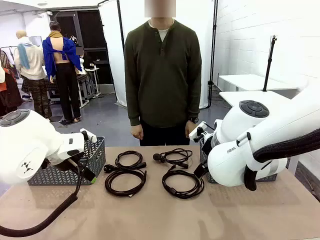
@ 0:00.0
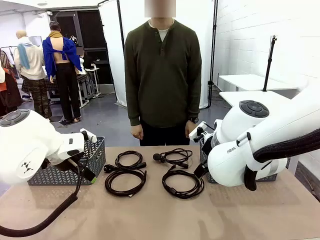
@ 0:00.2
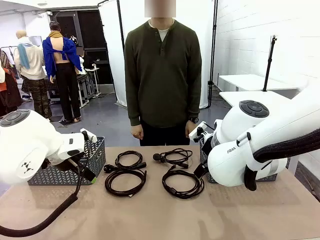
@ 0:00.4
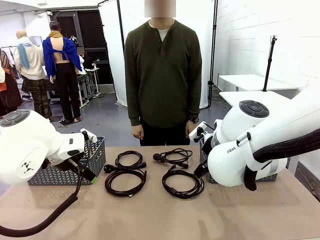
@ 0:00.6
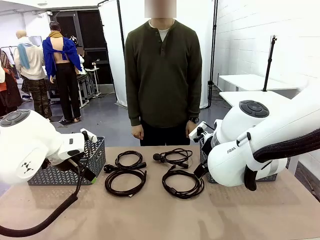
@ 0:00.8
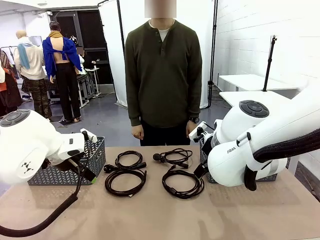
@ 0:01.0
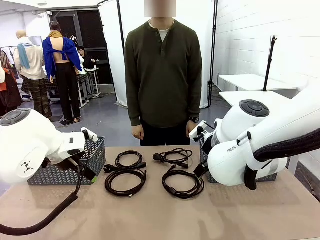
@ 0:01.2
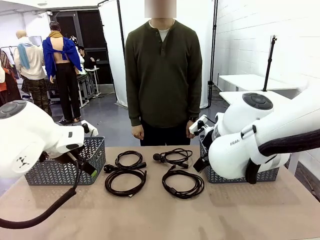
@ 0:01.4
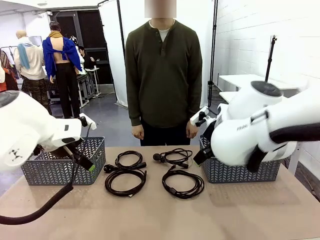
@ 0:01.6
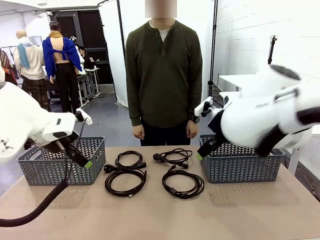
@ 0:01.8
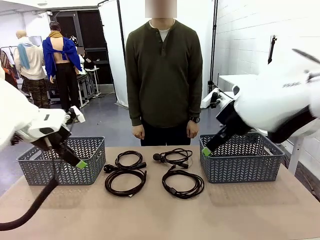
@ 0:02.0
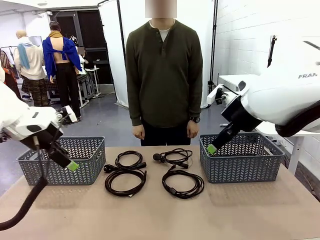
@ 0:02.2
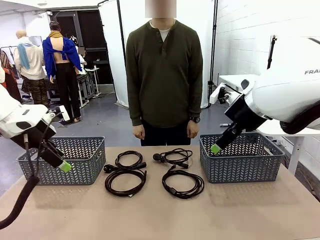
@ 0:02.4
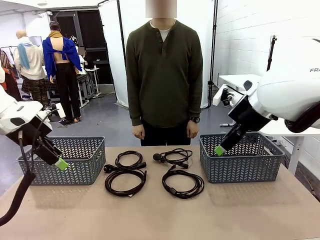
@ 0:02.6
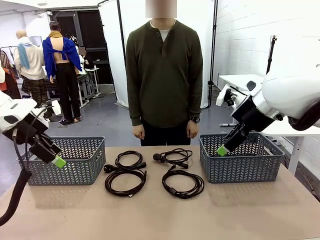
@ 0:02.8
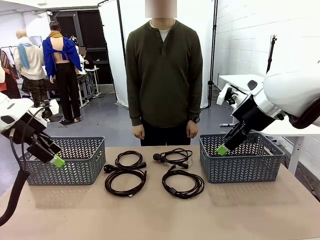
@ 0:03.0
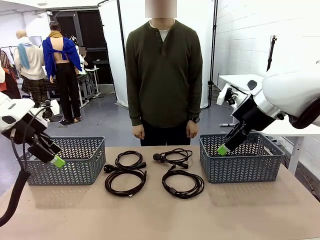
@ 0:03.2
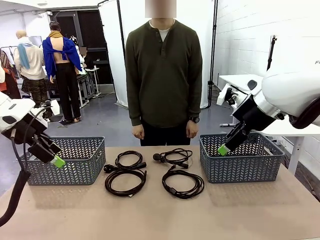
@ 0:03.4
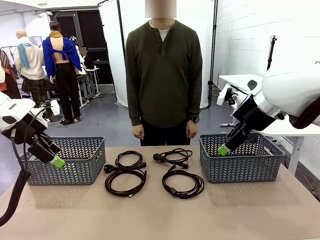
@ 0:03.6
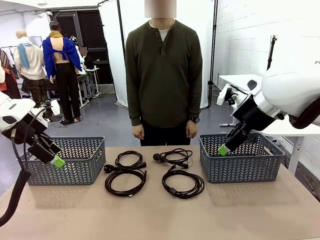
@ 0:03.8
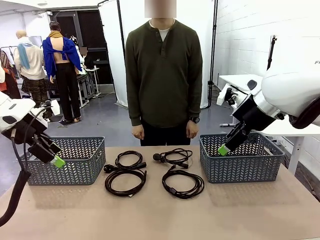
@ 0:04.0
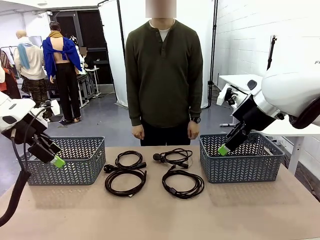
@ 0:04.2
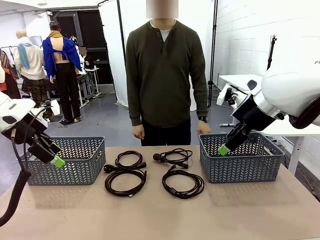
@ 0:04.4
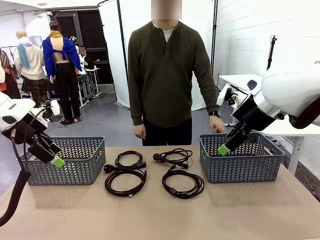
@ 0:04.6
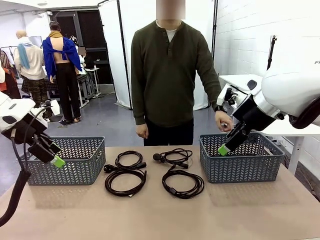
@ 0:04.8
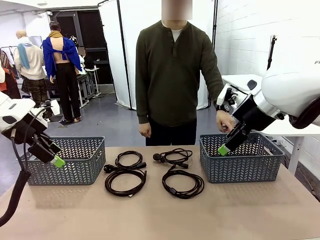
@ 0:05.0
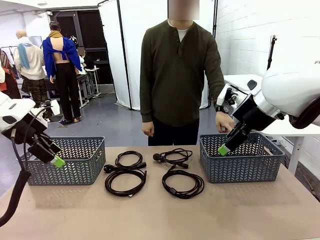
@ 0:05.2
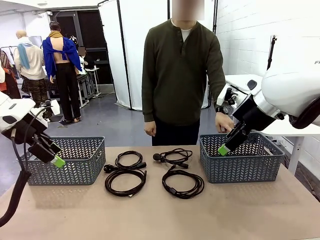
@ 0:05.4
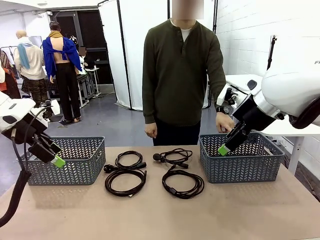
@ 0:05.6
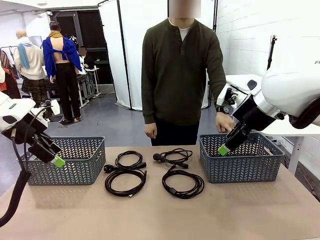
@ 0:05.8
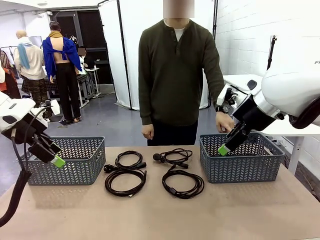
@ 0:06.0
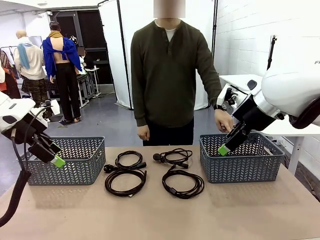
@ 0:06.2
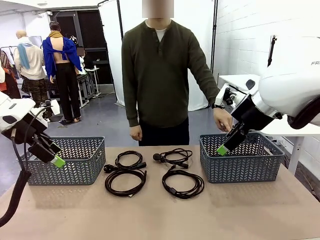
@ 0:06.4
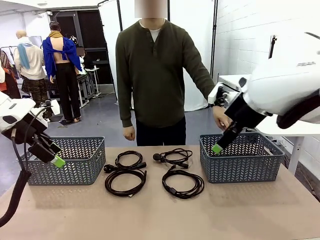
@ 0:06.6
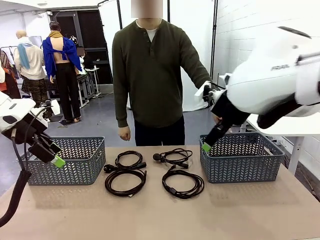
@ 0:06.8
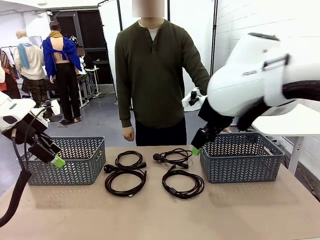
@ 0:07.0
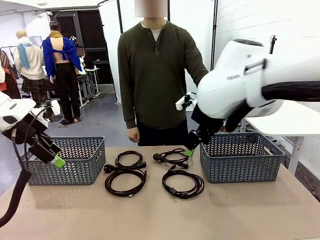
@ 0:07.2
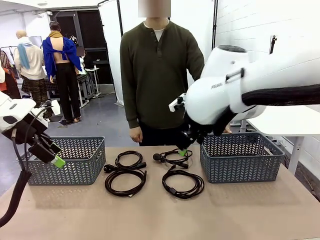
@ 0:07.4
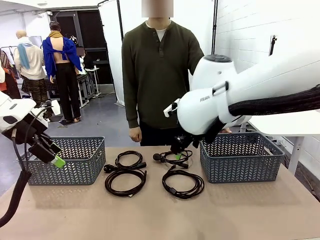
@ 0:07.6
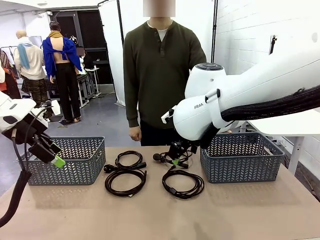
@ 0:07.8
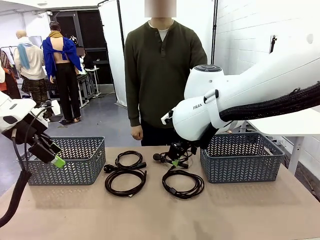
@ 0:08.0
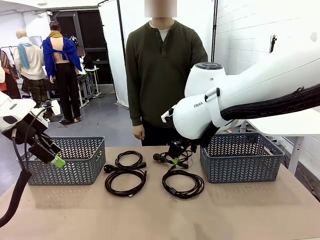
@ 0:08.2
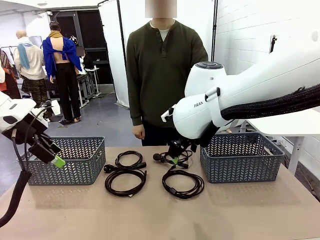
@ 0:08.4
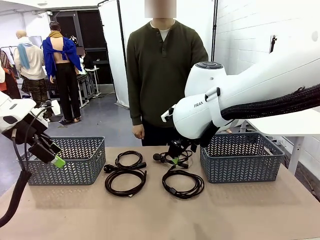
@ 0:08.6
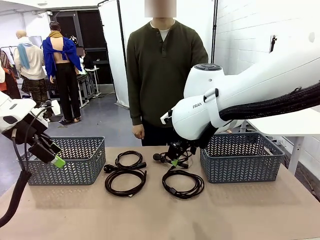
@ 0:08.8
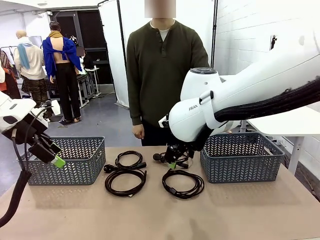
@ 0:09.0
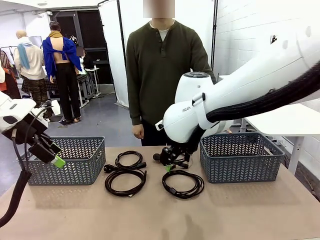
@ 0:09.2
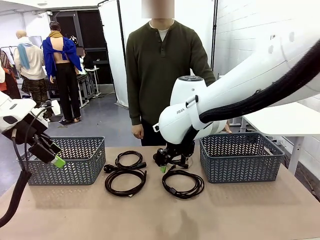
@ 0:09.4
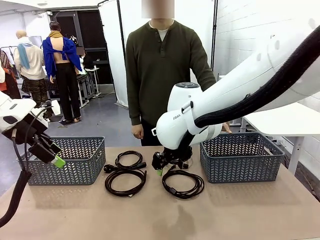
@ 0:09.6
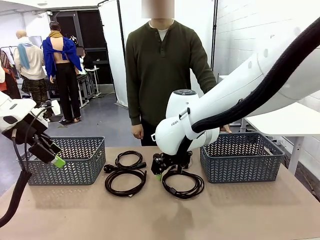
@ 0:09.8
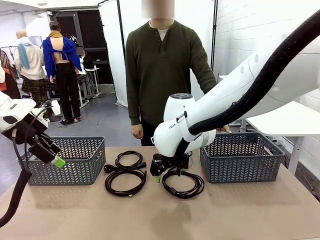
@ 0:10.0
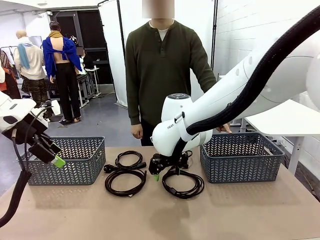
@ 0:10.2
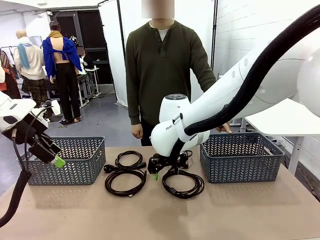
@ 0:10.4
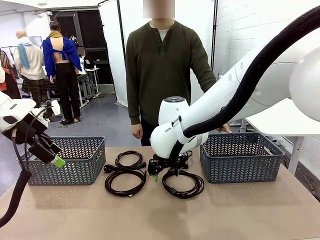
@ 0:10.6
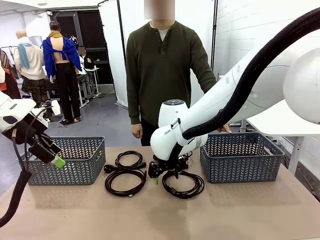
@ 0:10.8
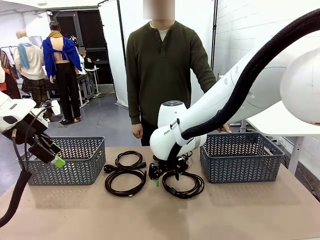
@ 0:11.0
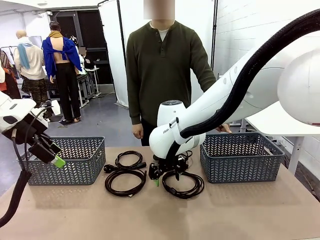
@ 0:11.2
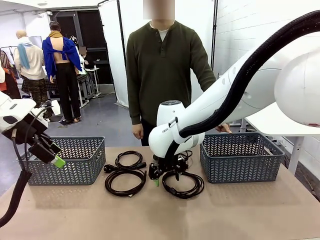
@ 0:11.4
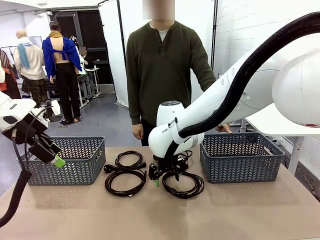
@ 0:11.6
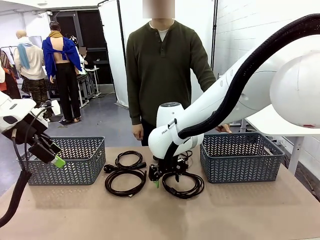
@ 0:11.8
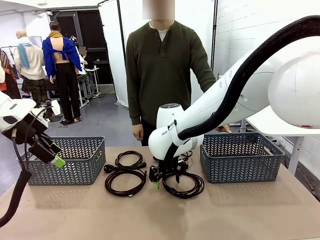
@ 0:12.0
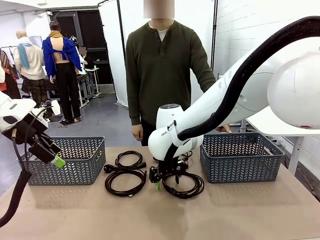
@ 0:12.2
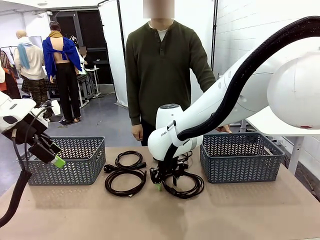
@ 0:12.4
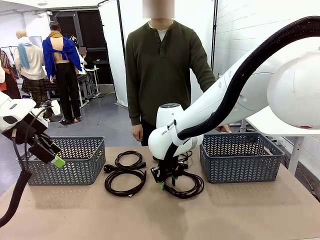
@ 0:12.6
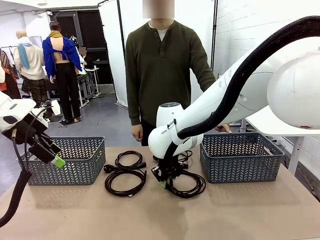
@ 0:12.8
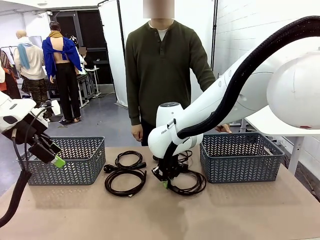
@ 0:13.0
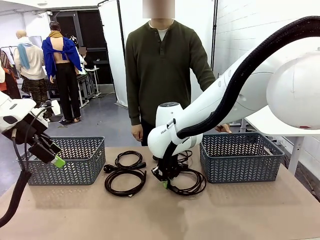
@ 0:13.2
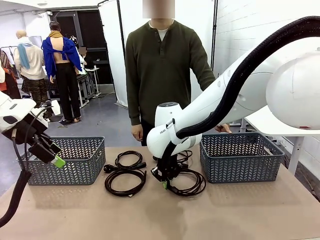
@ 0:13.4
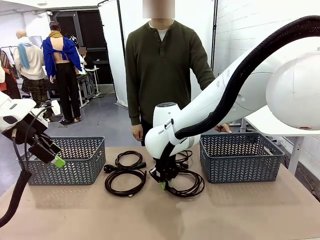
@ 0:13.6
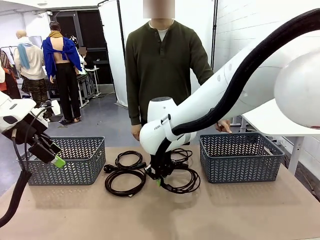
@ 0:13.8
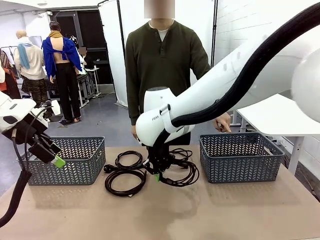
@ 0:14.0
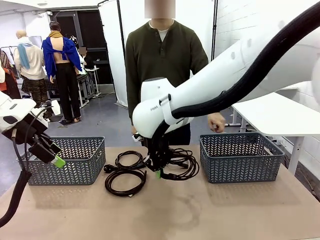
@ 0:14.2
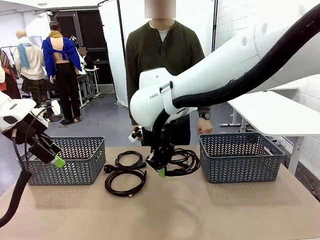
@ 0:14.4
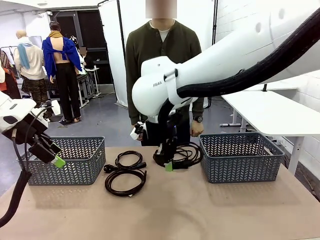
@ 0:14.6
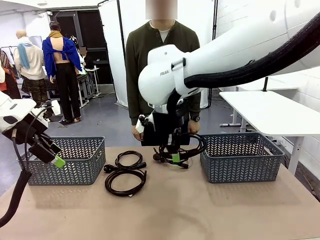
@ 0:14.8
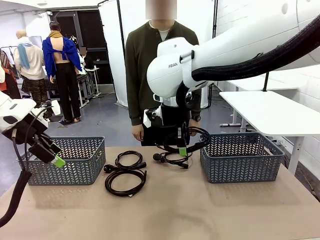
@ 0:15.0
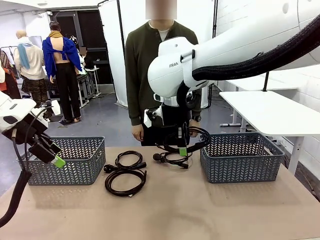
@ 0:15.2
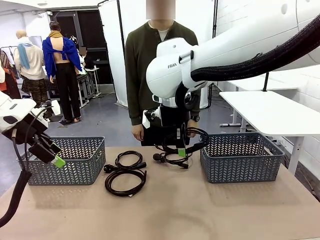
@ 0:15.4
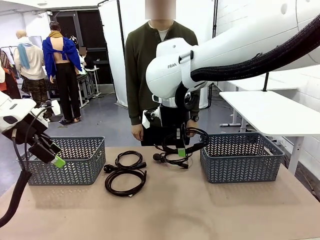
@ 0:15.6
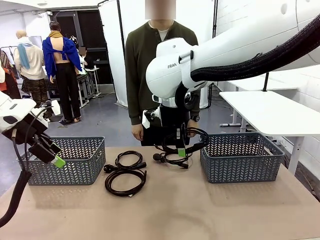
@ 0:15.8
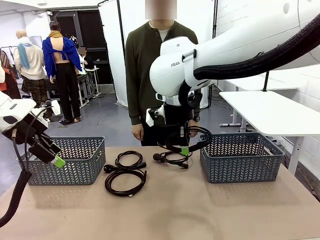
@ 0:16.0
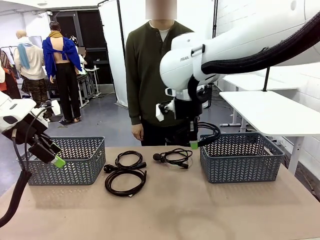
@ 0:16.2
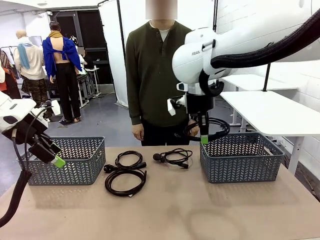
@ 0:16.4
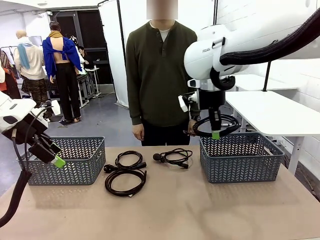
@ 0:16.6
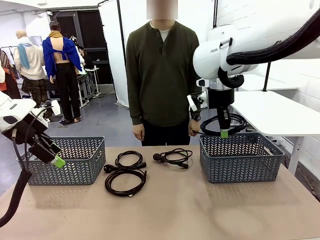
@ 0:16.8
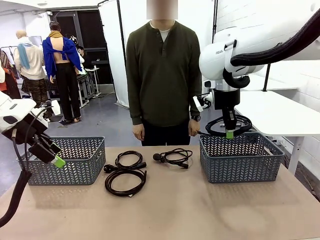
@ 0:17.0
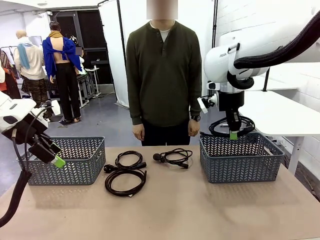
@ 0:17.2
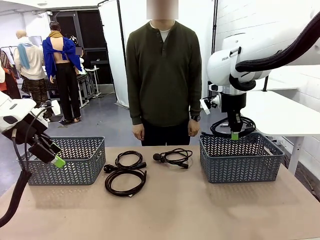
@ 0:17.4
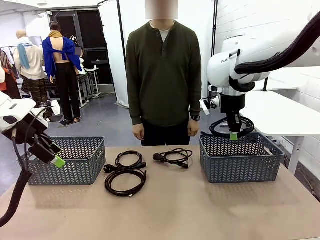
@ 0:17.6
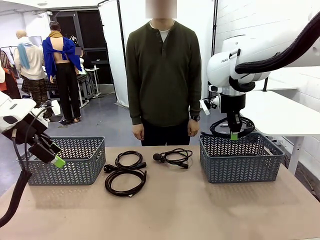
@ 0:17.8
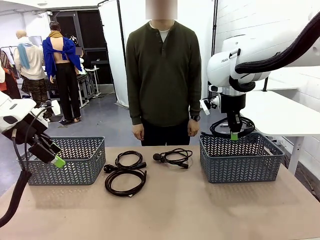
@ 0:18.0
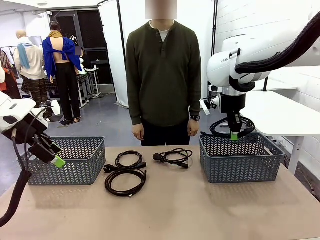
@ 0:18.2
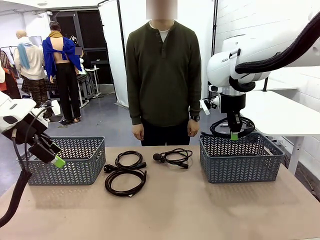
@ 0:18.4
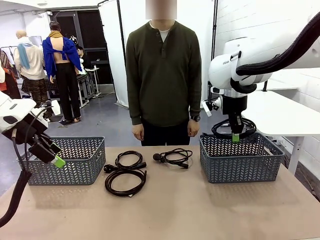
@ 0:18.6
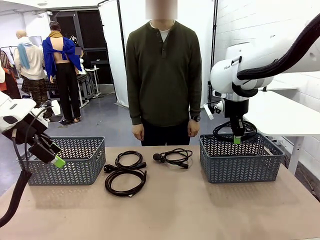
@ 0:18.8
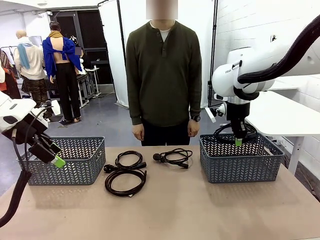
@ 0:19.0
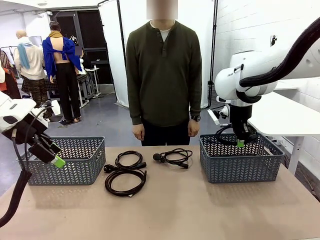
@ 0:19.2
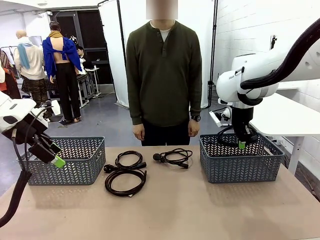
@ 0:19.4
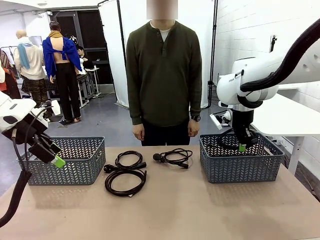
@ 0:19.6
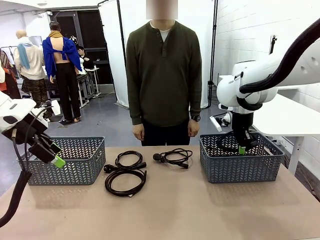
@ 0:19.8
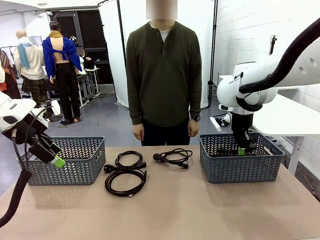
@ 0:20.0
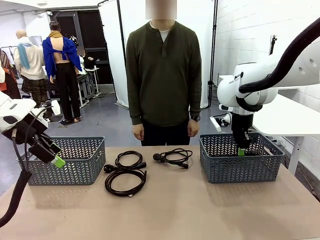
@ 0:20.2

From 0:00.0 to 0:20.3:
Task: Organize the cables according to human instructions.
Robot: Pick up a bundle of cables and place it in the basket indicated by the human.
